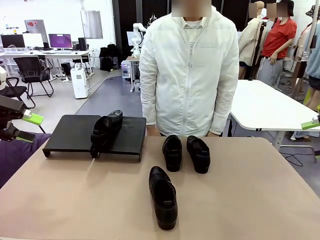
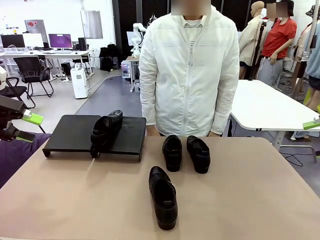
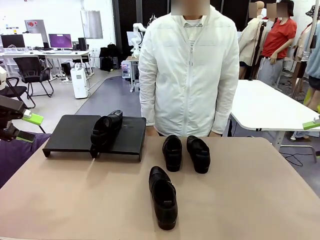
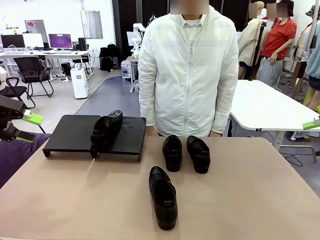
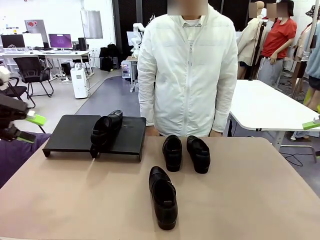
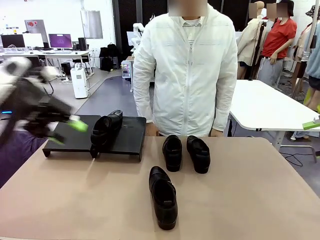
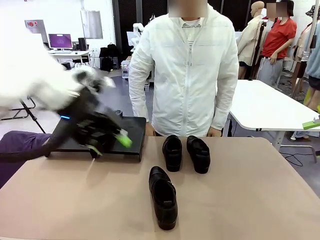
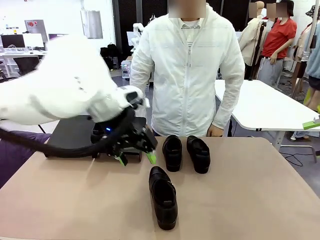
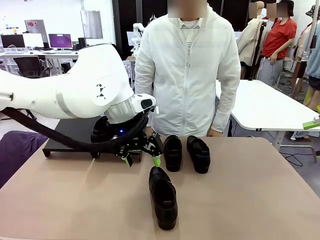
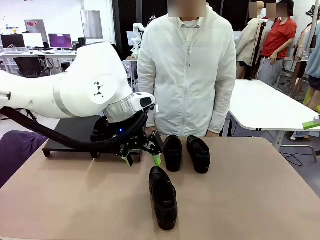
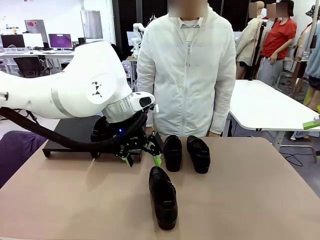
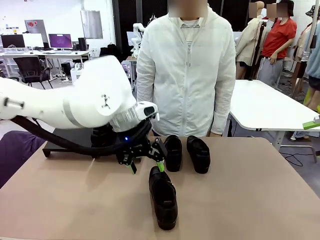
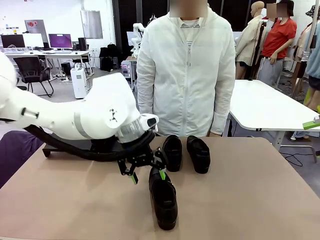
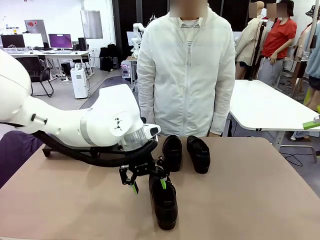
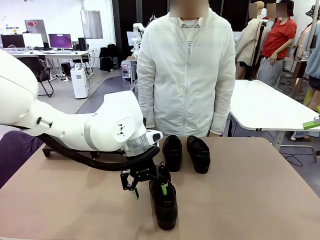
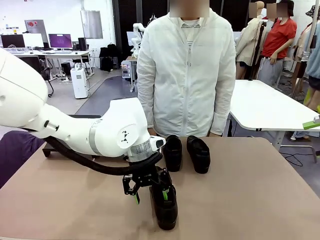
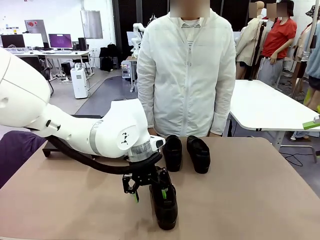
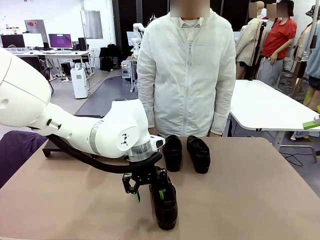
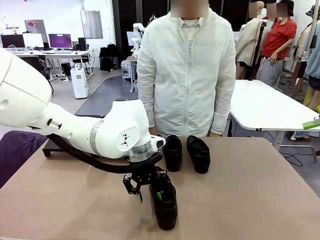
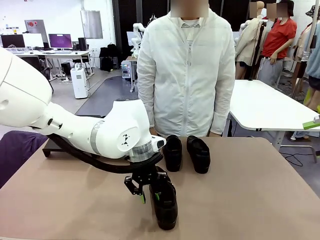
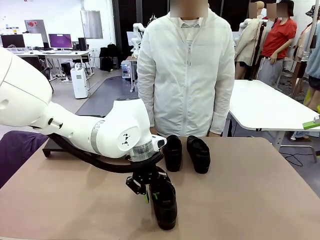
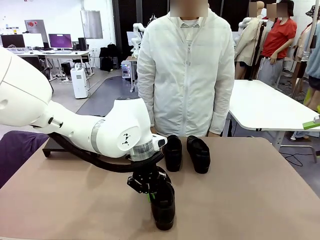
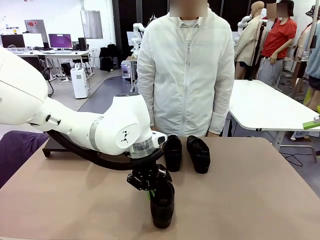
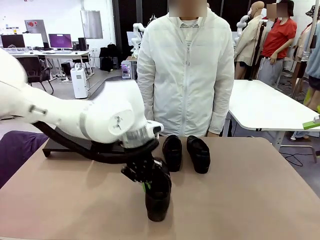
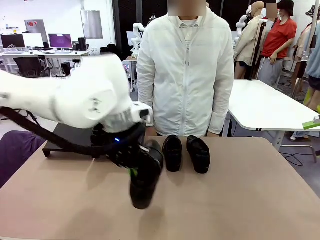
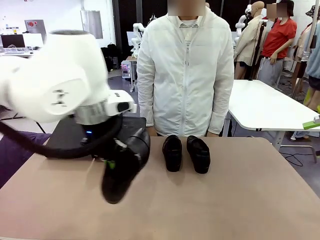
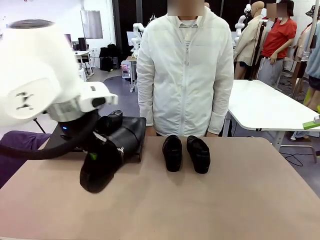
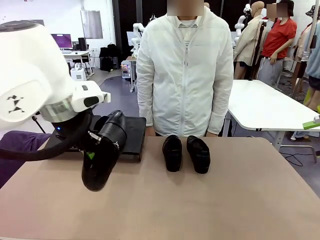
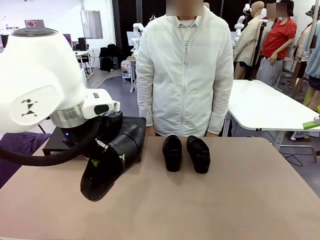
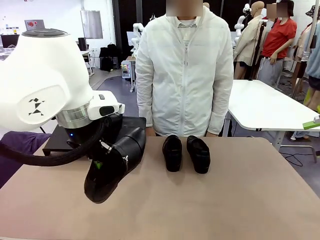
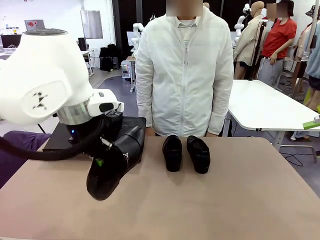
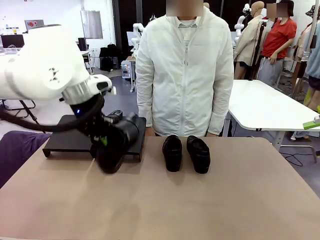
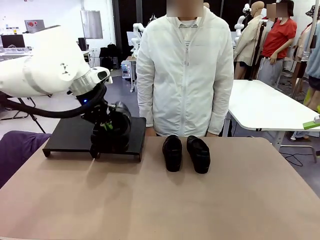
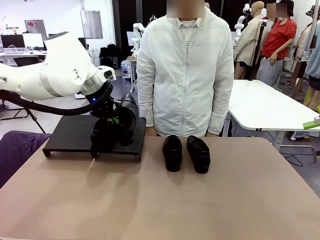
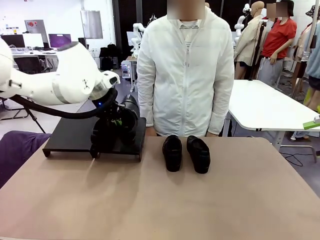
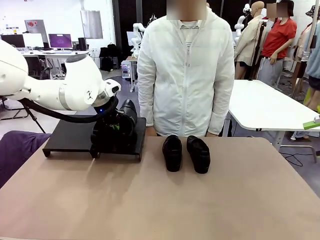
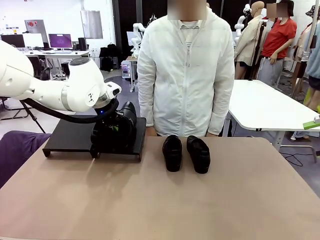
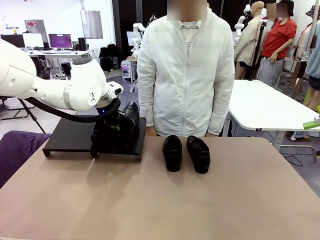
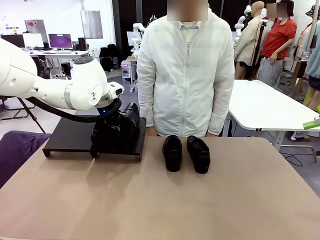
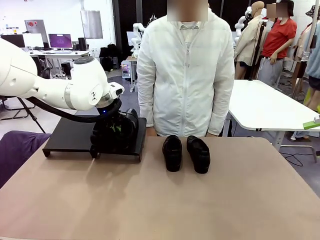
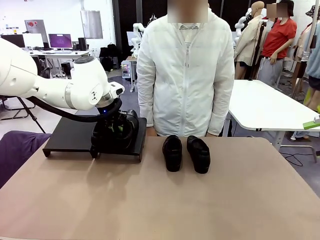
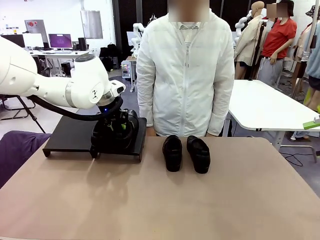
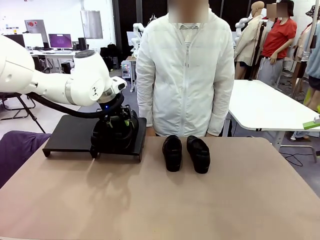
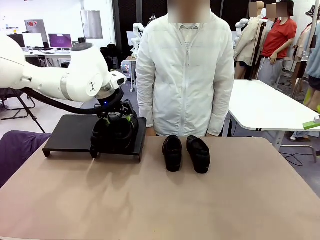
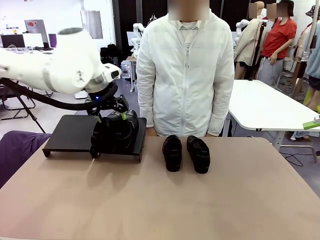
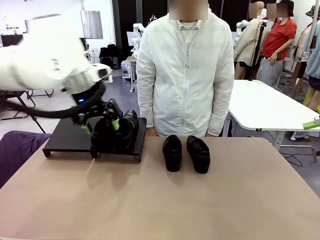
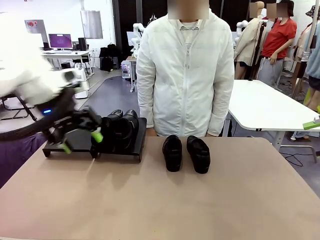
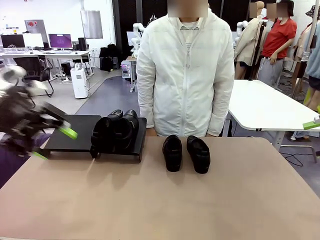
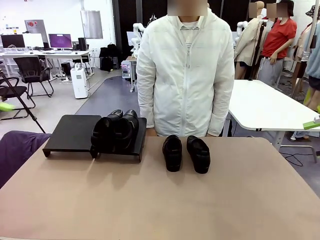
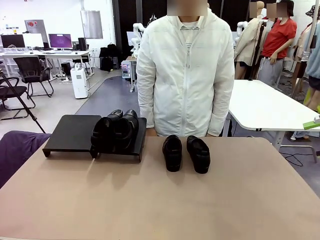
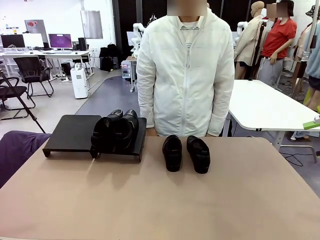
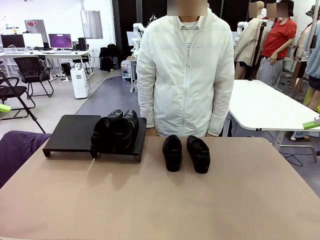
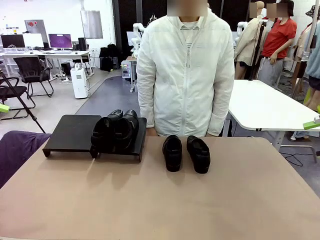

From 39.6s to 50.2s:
Task: Organize the shoes by placing them on the stand.
Robot: Place the Shoe from the middle of the table onto the Shoes Stand.

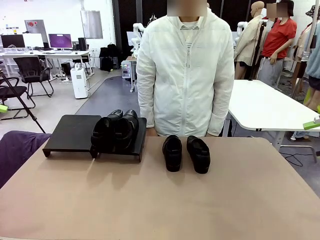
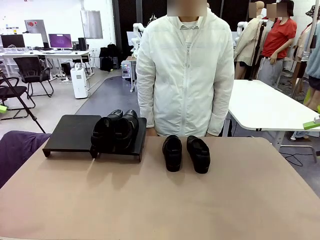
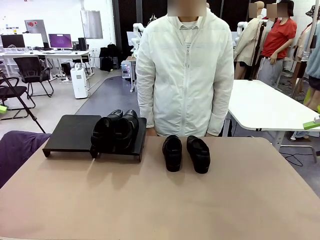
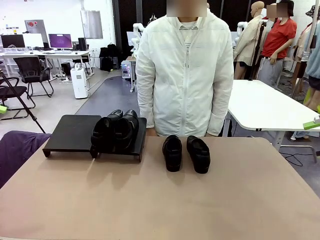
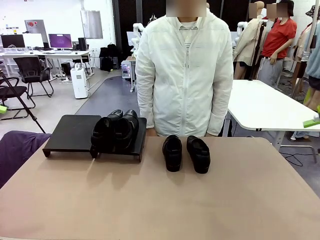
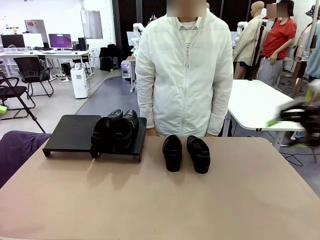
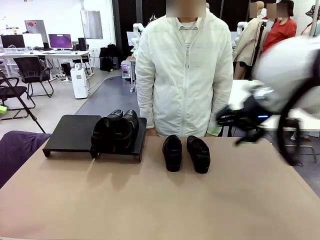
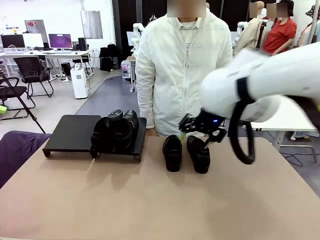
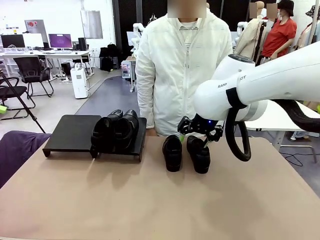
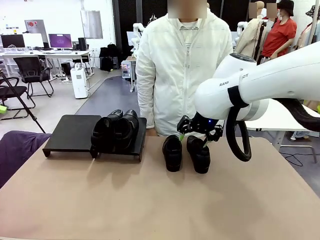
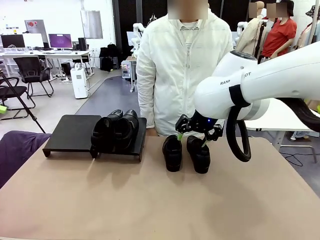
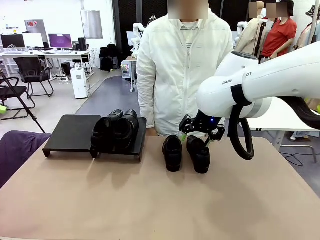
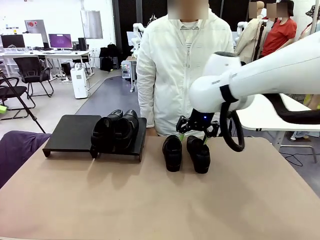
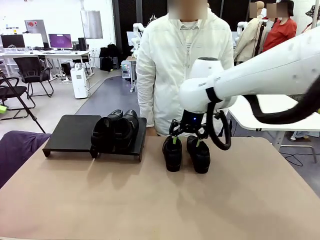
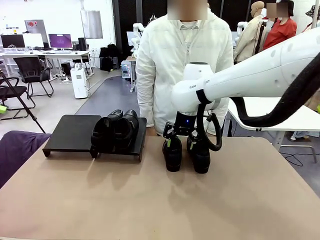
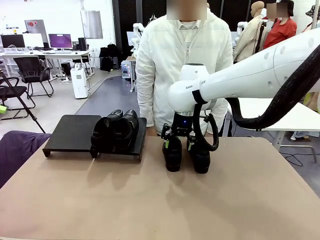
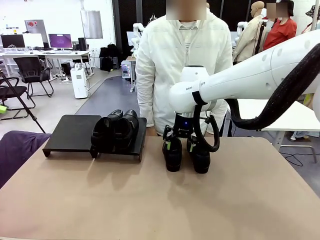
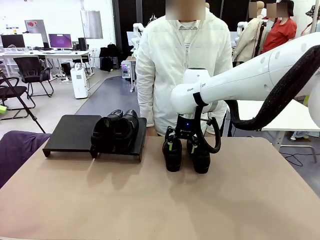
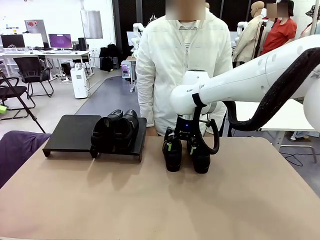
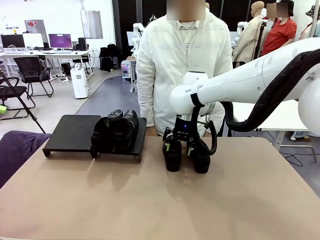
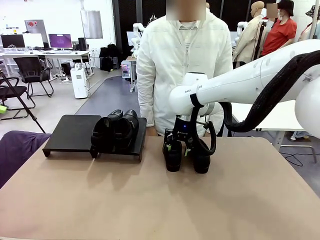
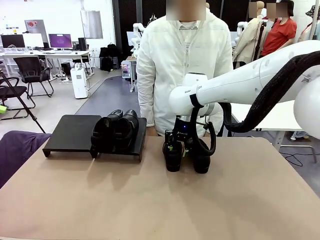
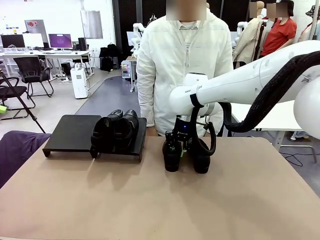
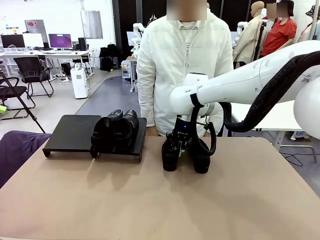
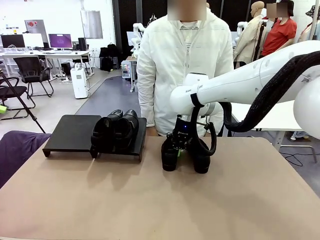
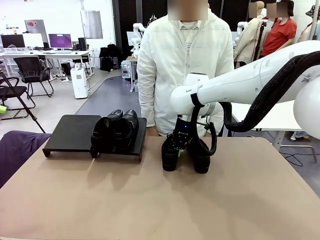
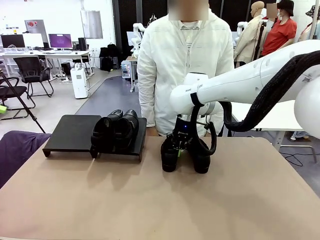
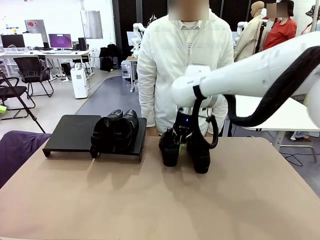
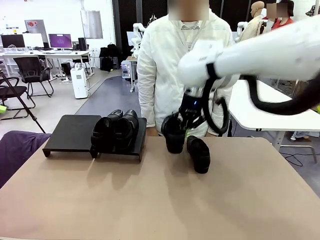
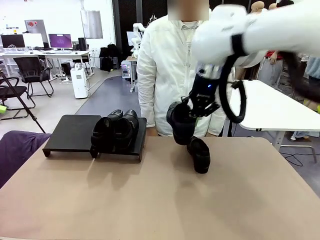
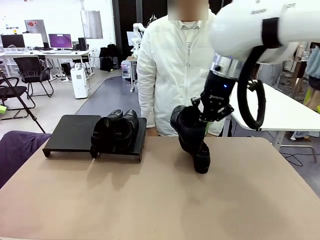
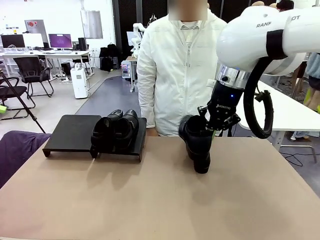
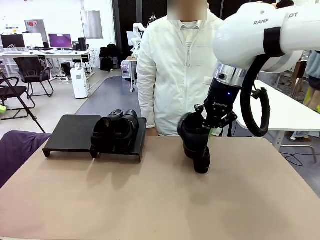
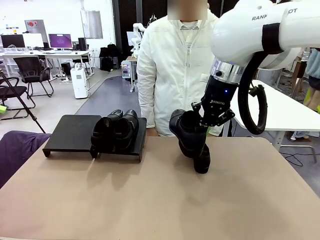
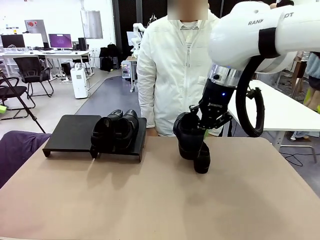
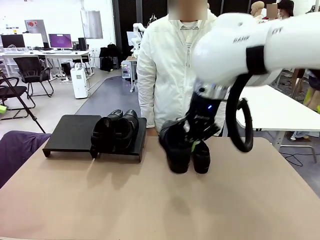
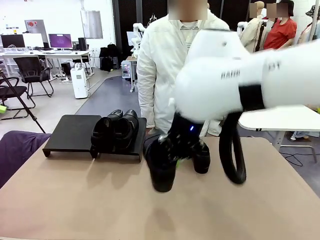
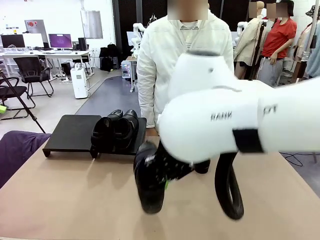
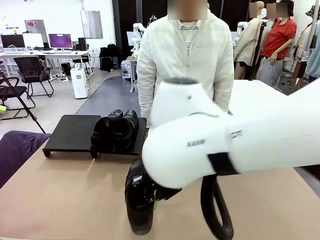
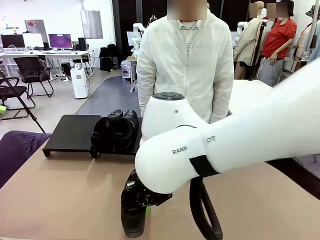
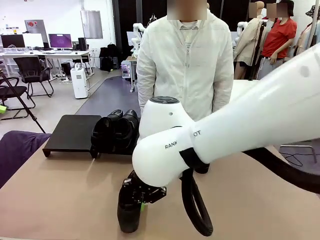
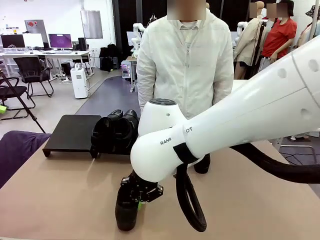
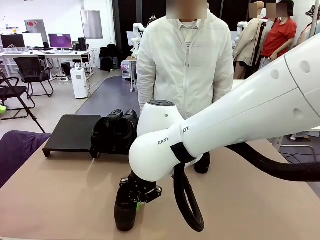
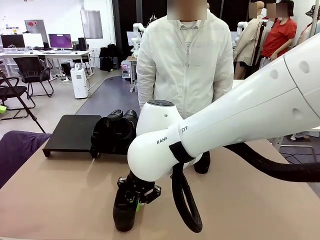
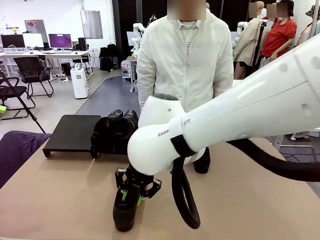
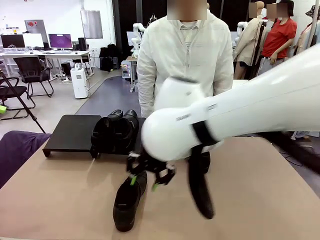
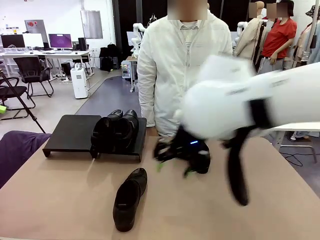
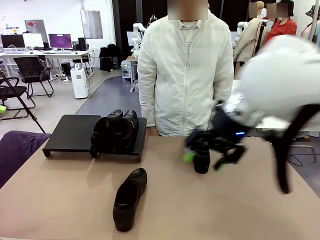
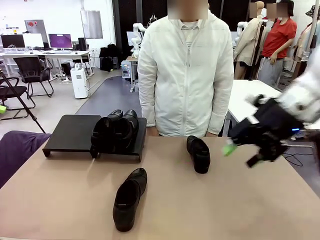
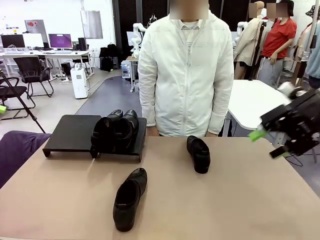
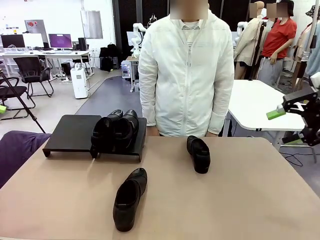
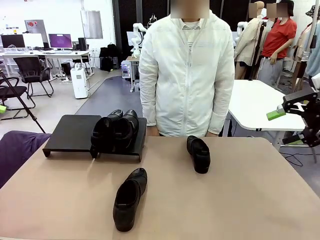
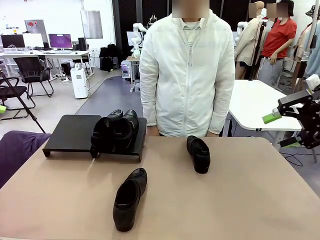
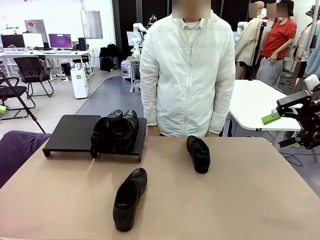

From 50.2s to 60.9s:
Robot: Pick up one Shoe and place it in the middle of the table.
